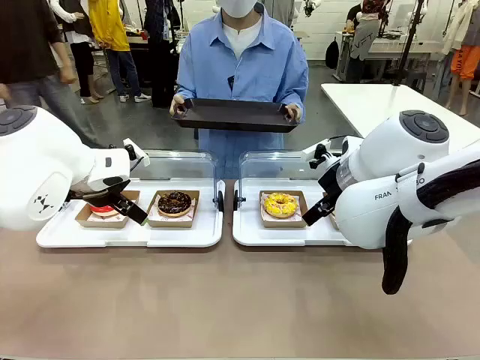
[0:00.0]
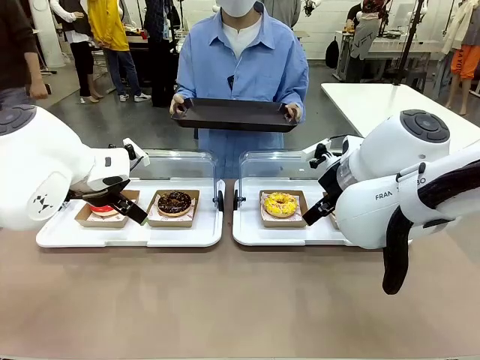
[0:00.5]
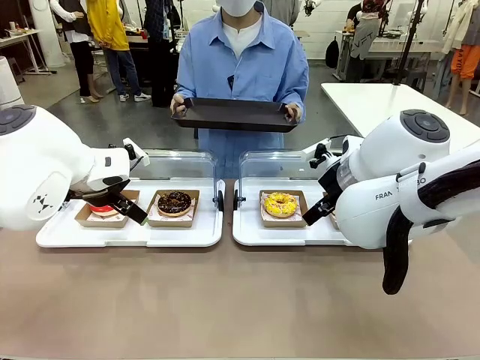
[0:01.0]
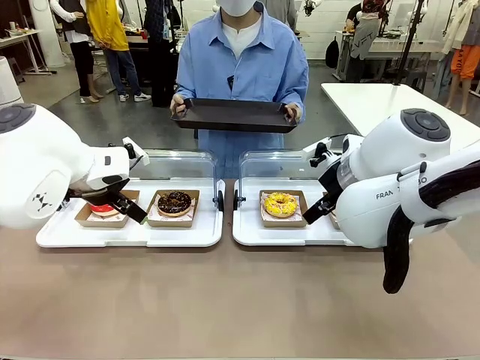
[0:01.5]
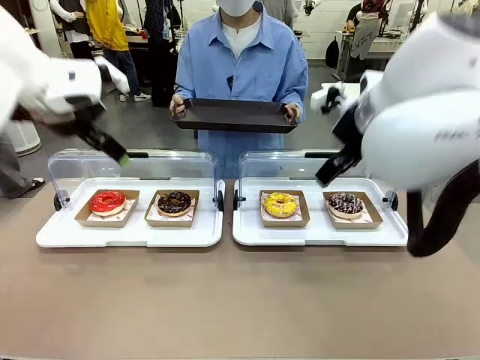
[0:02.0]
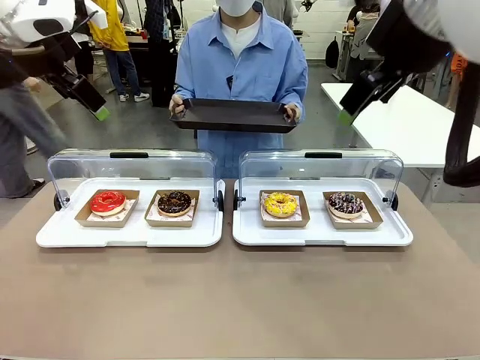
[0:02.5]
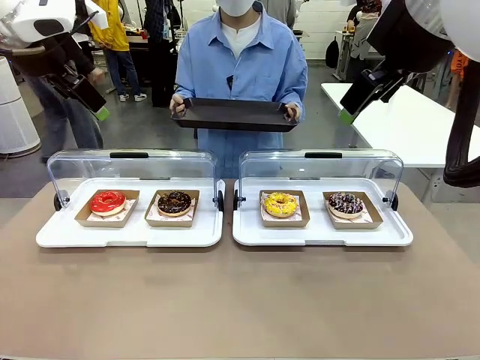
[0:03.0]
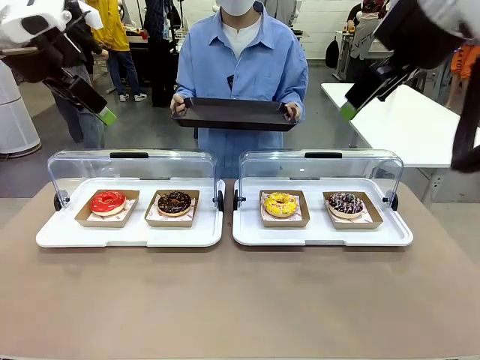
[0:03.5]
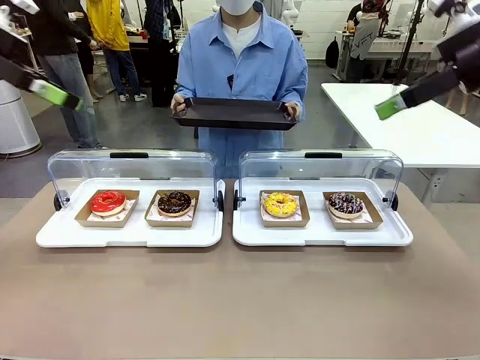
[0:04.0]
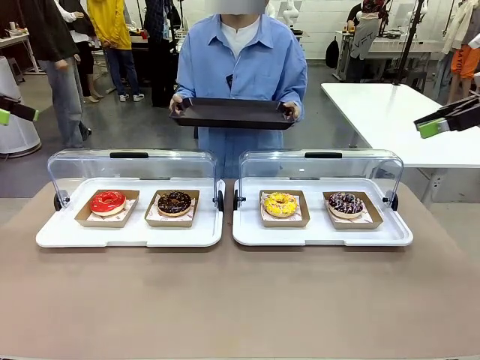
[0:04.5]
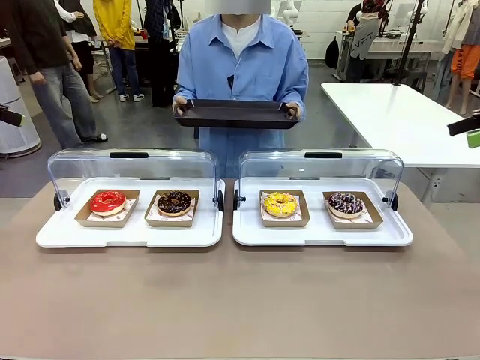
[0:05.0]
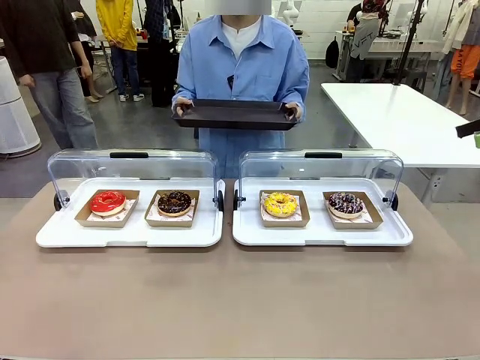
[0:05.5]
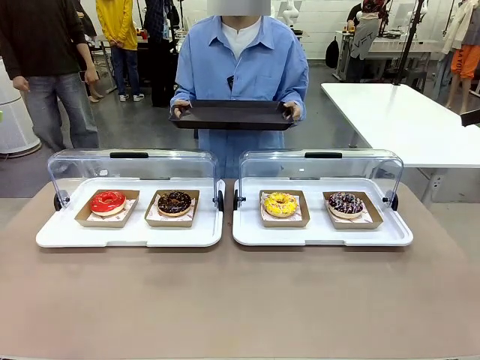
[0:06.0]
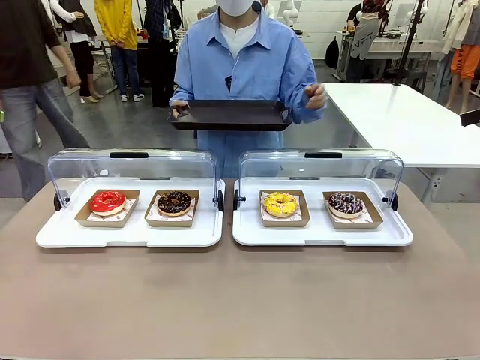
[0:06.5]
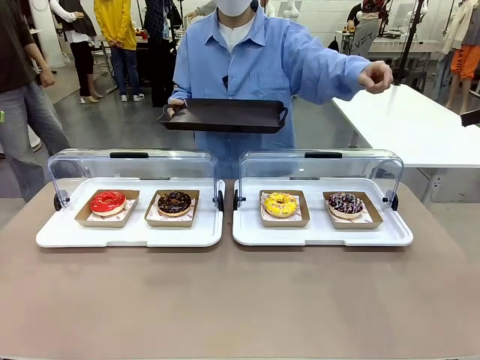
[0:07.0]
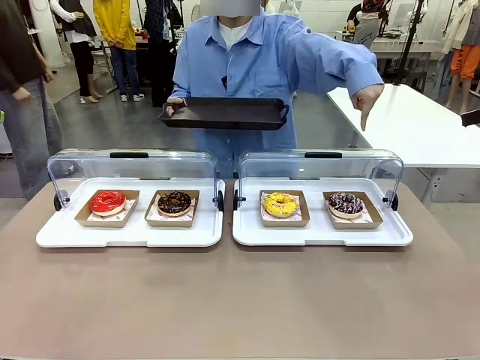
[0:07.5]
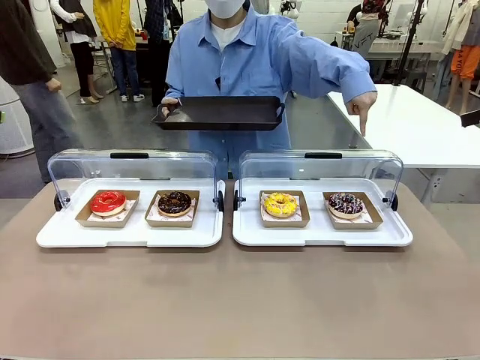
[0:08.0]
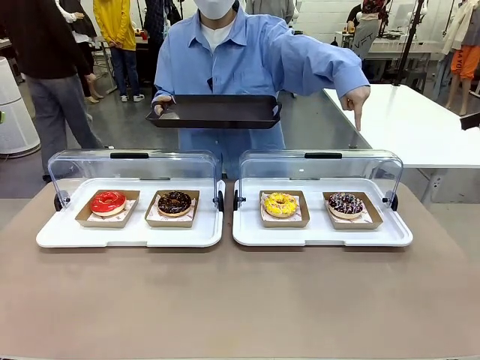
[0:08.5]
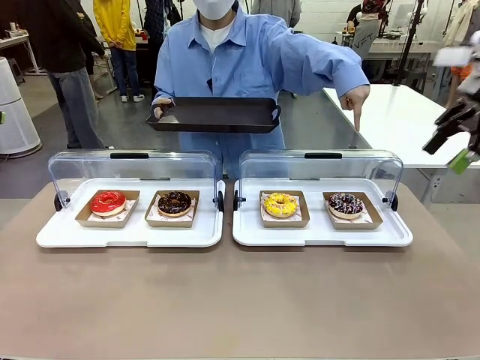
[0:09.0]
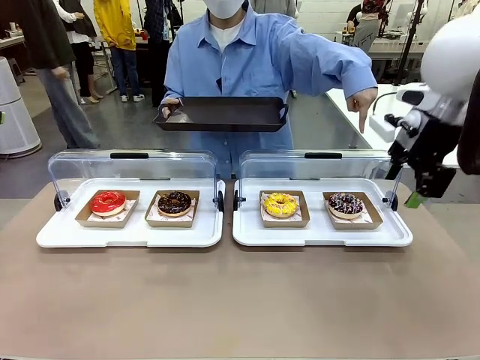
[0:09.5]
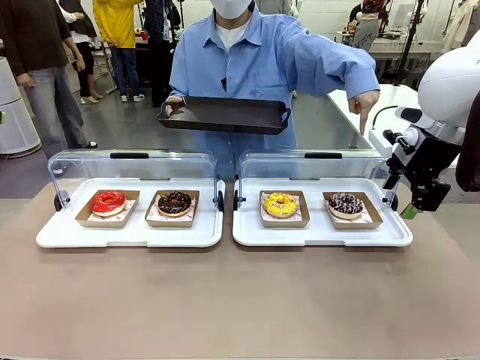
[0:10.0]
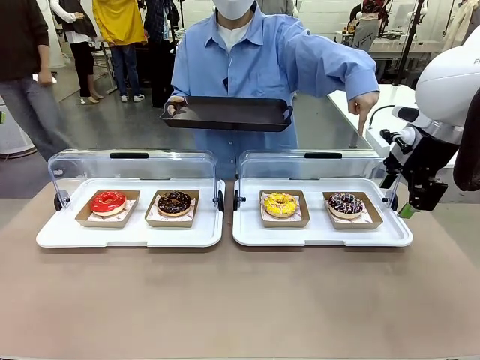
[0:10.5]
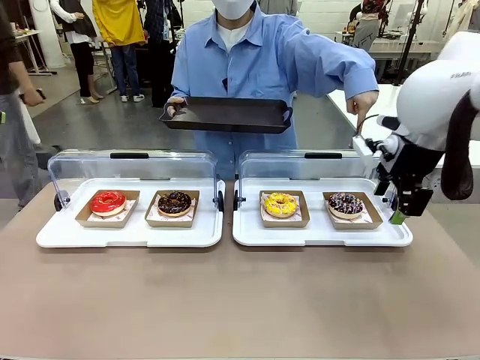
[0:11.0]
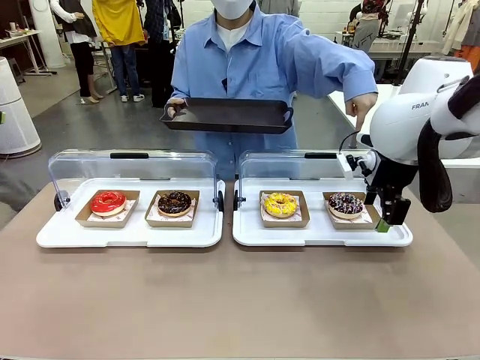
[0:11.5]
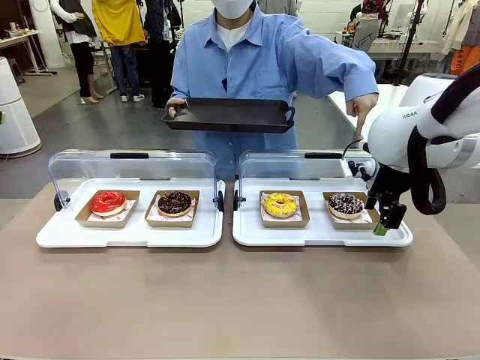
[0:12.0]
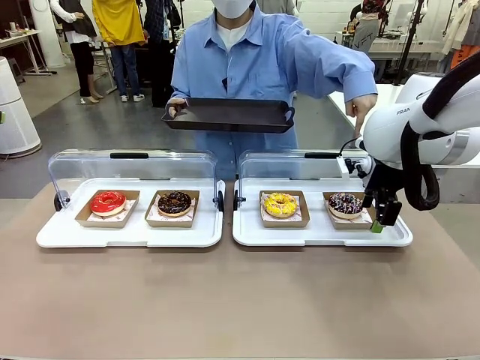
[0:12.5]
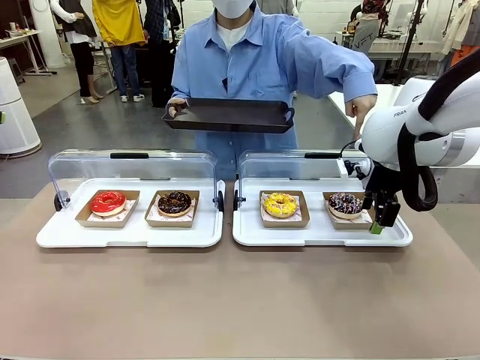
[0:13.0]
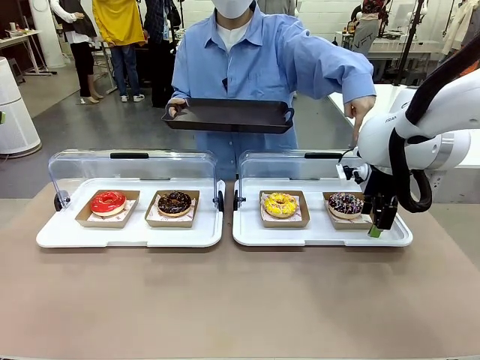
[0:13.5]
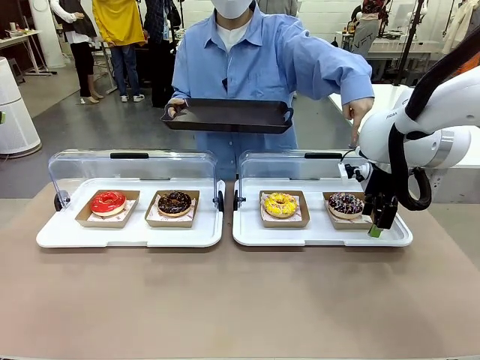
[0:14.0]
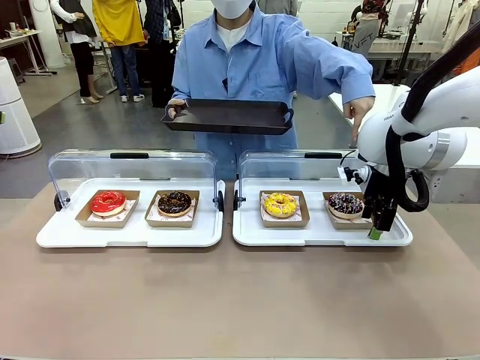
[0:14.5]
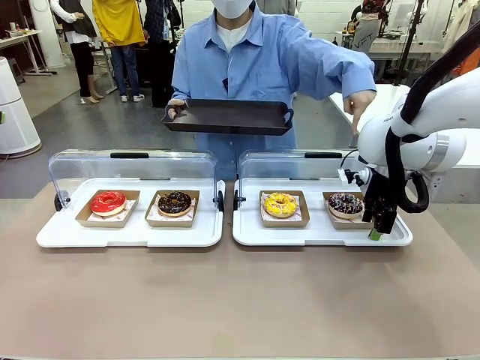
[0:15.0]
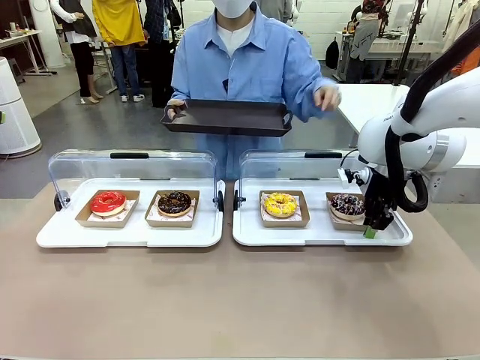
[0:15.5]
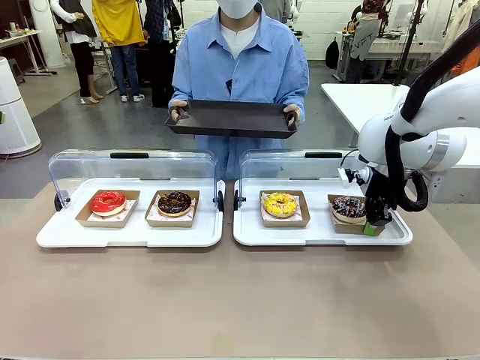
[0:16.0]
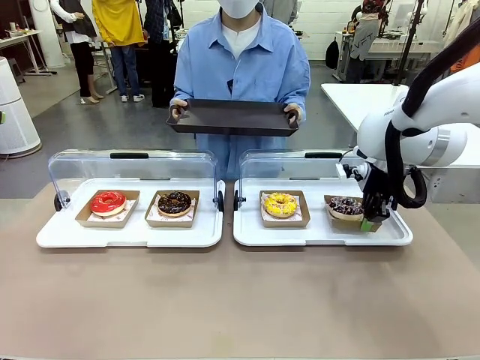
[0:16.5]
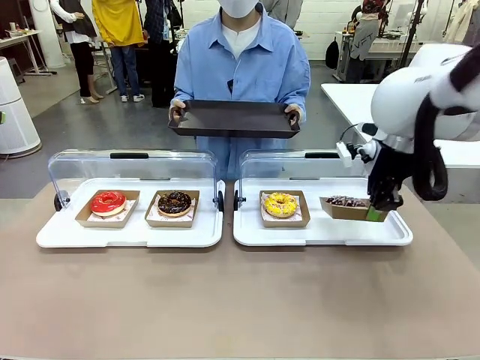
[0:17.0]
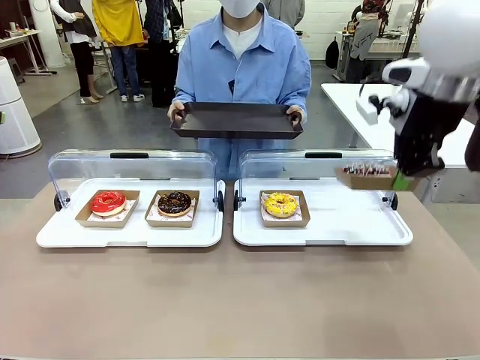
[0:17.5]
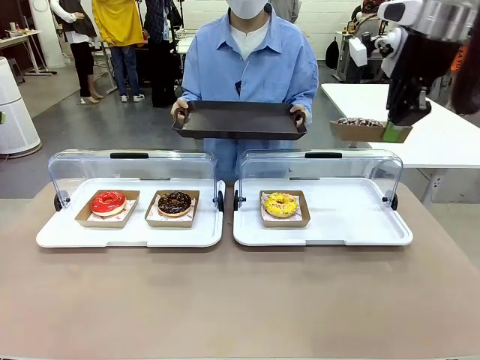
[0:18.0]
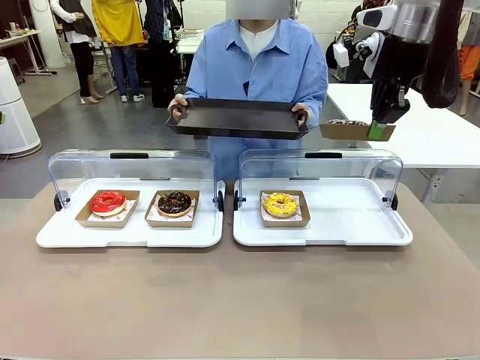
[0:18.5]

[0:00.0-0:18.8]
Task: Provide the desired donut to the person.
Robot: Pick up and lift the Paper togo box containing the Donut pointed at by the person.
Person: Point to one donut. Lift the tray onto the Roll-Top Bakery Case.

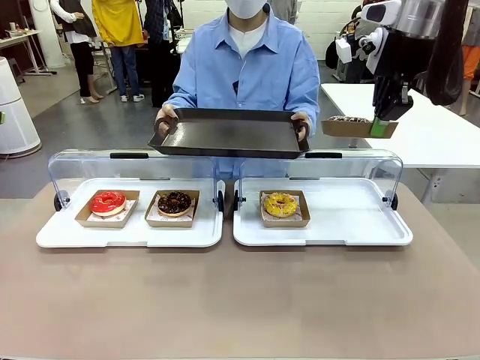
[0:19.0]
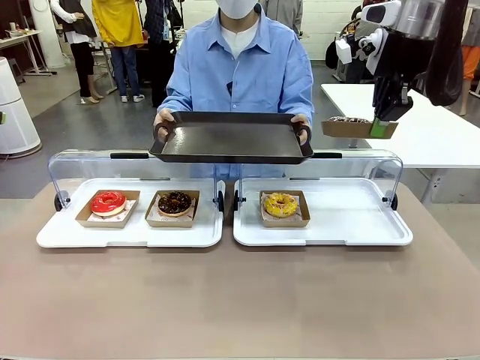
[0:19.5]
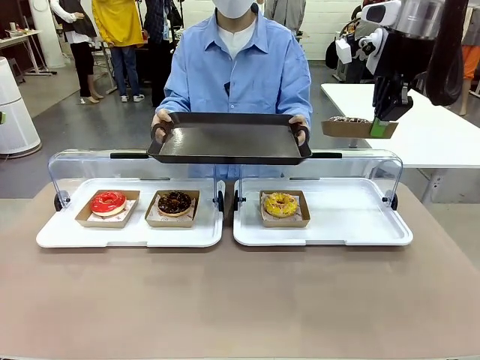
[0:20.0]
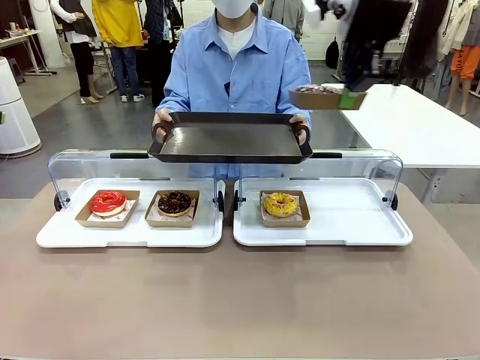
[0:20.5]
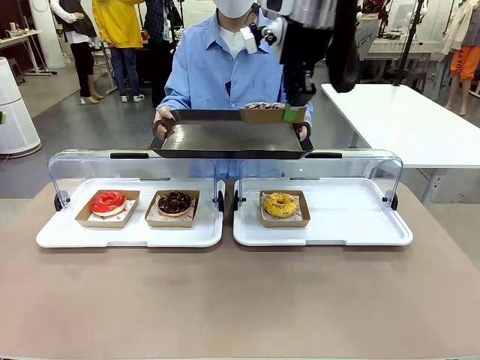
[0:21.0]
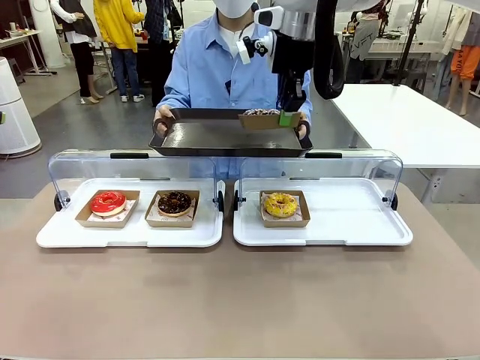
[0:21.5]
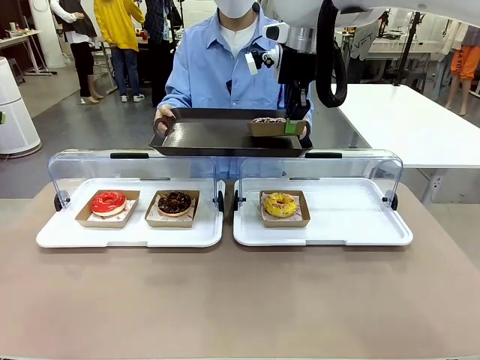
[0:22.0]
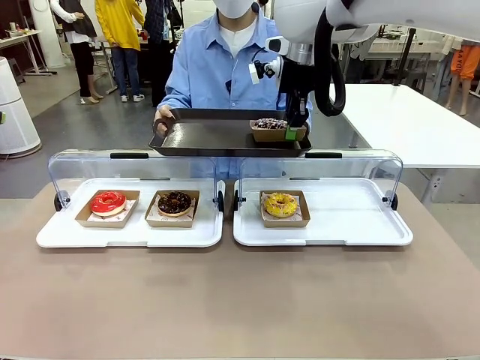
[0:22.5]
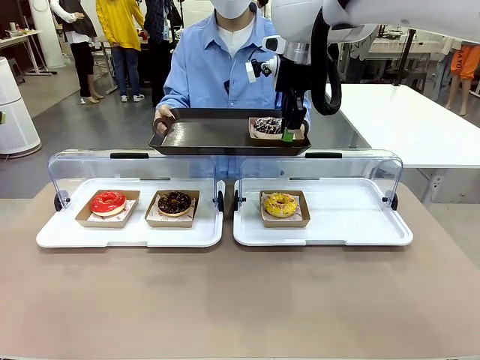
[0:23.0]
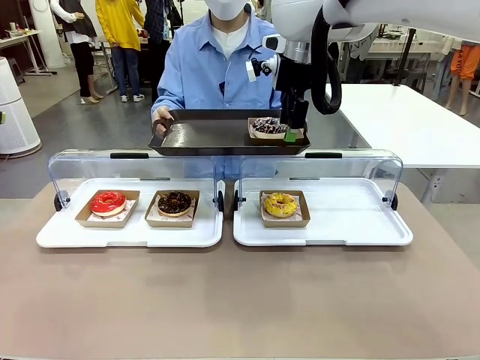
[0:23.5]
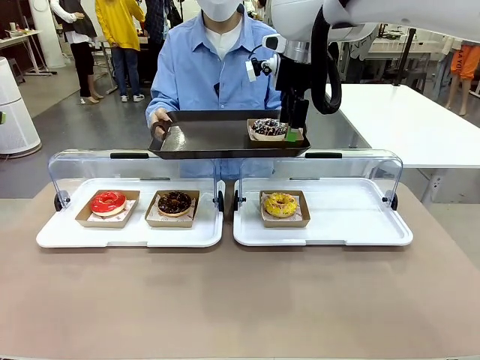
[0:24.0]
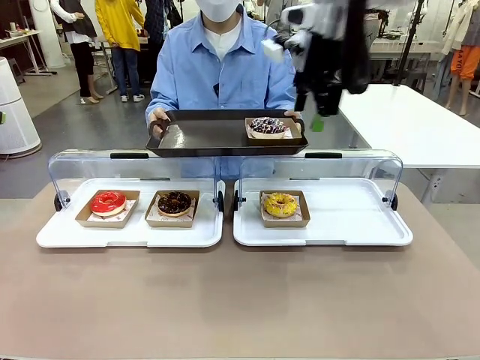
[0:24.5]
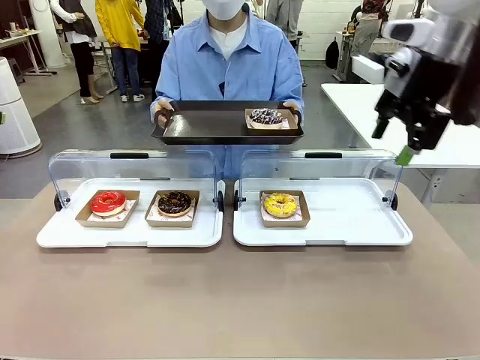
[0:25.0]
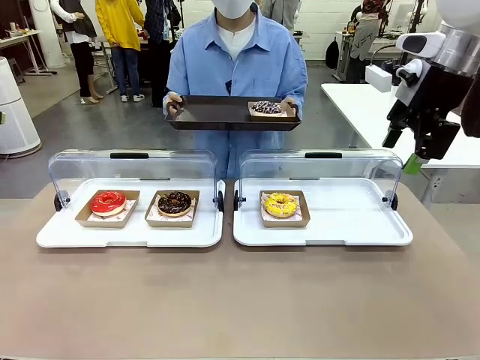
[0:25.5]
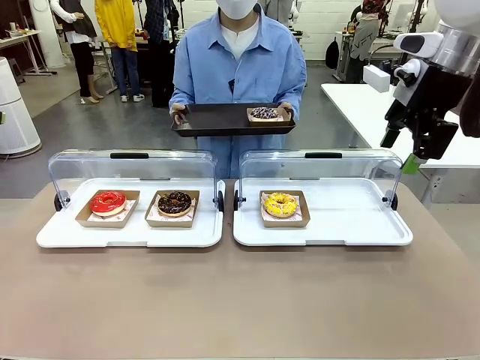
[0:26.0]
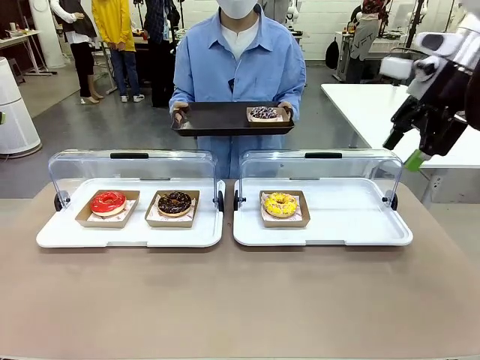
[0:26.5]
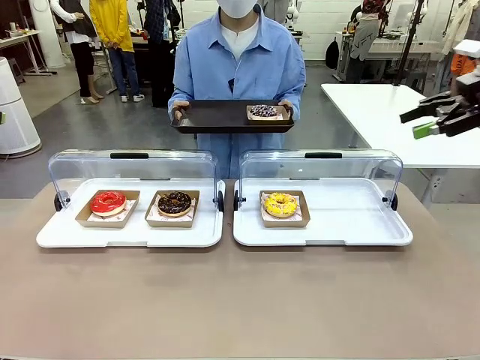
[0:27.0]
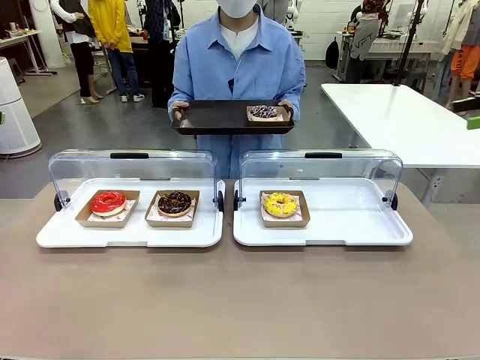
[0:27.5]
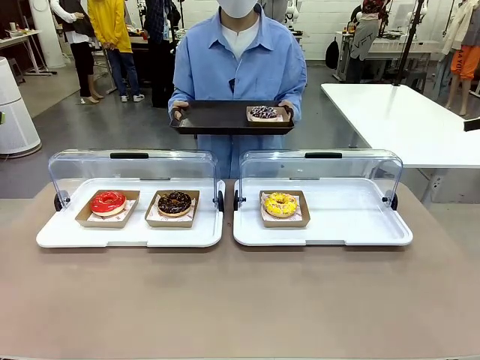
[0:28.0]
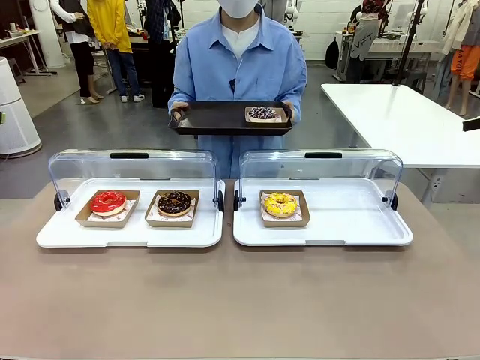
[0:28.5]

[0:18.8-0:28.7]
Robot: Place the picked Paper togo box onto the Handle tray extended by the person.
Person: Point to one donut.
